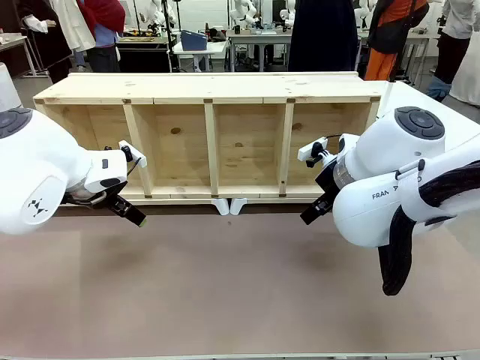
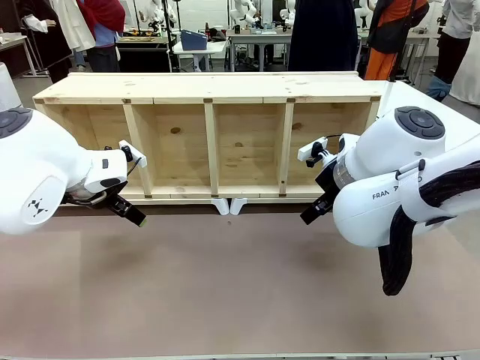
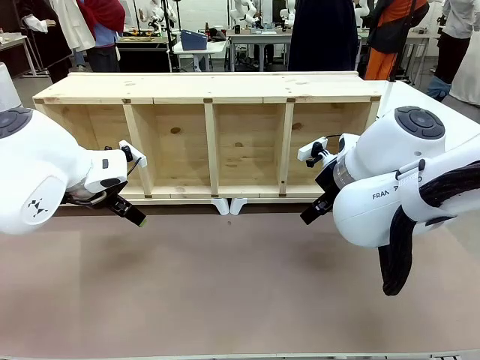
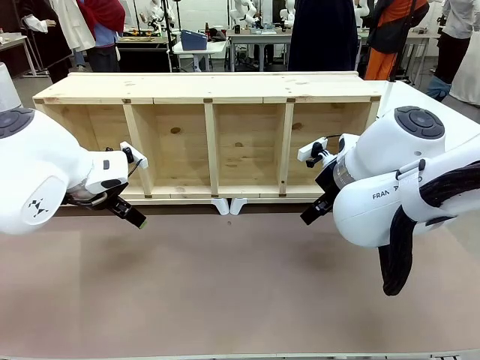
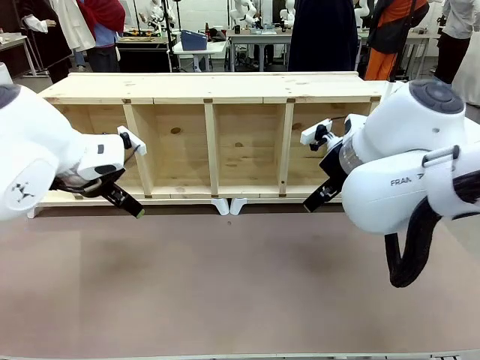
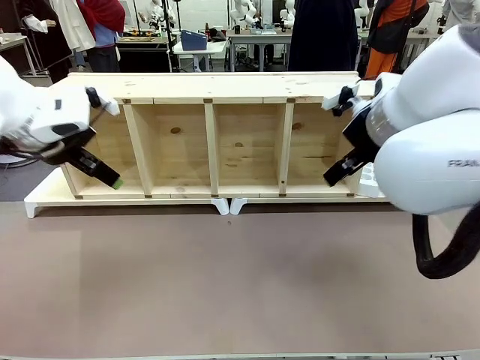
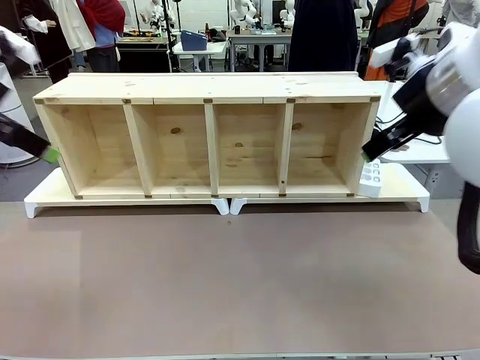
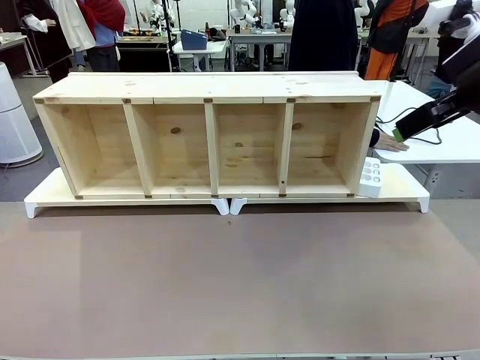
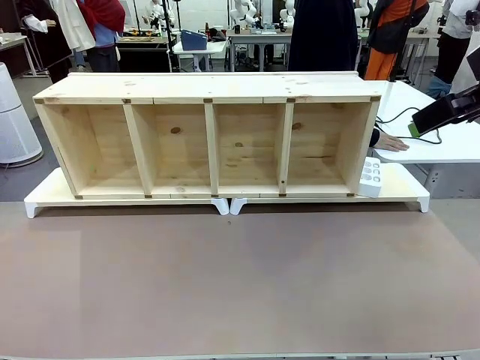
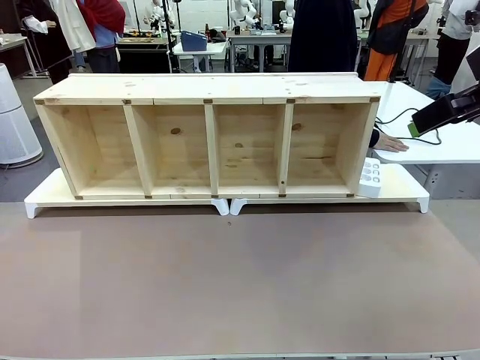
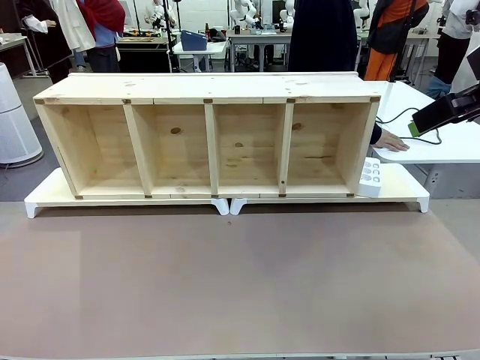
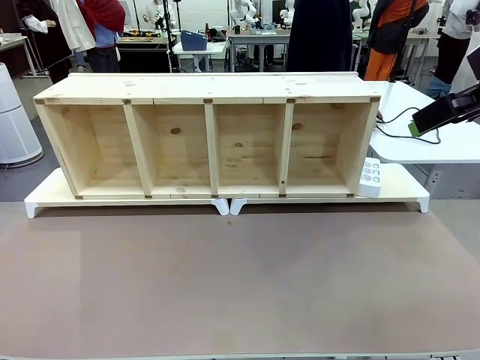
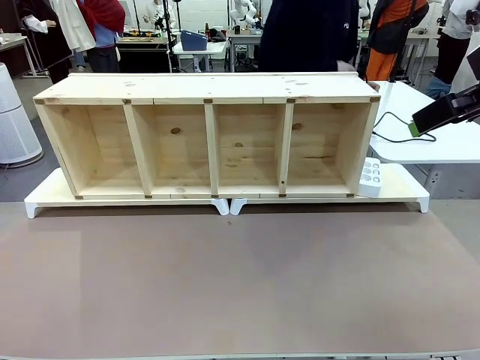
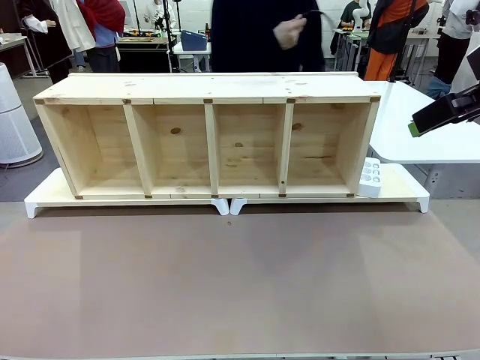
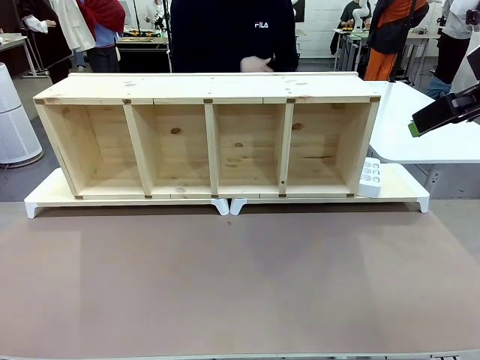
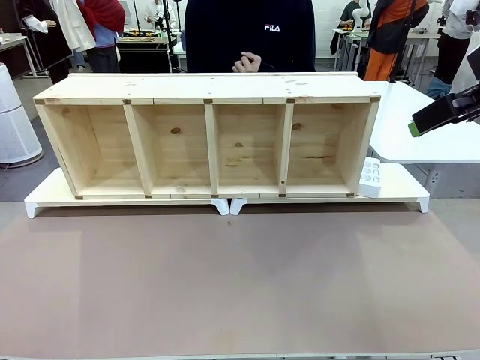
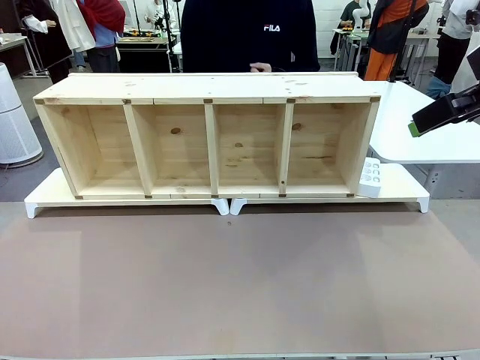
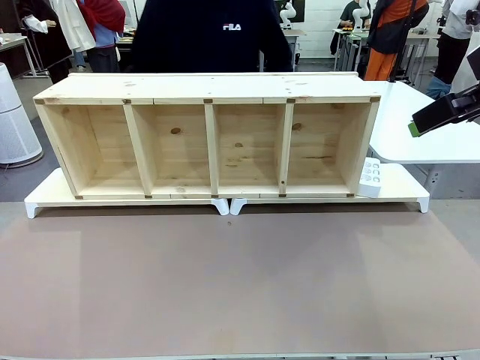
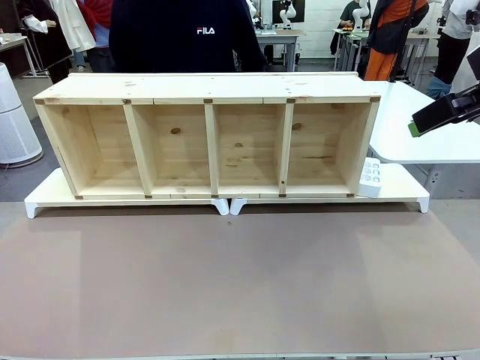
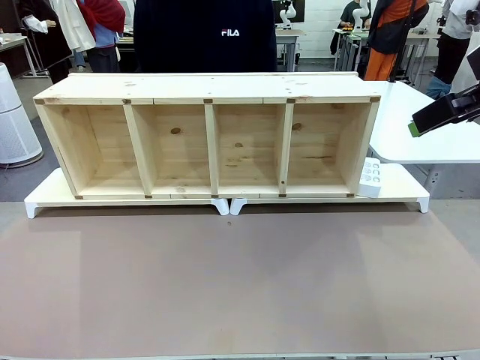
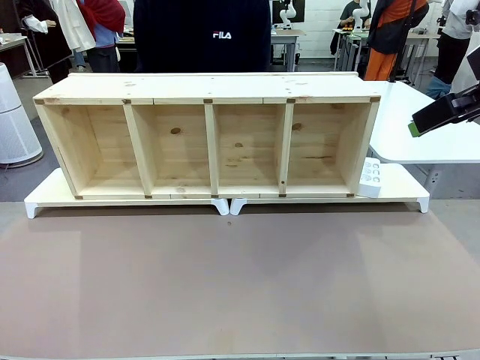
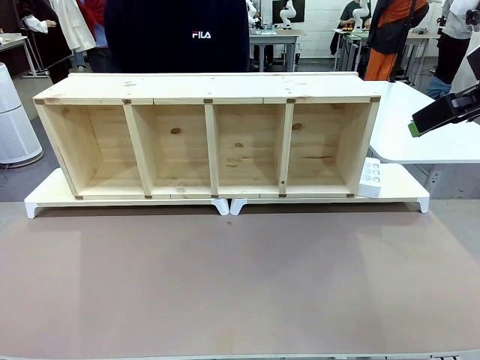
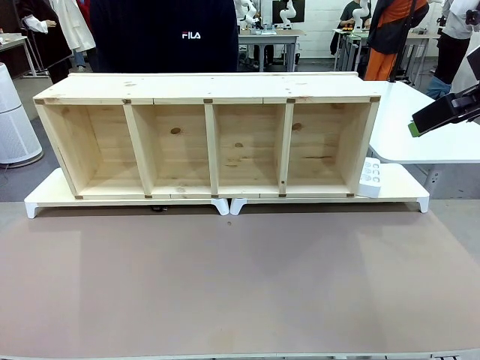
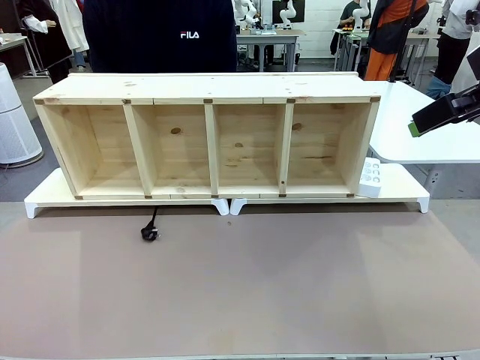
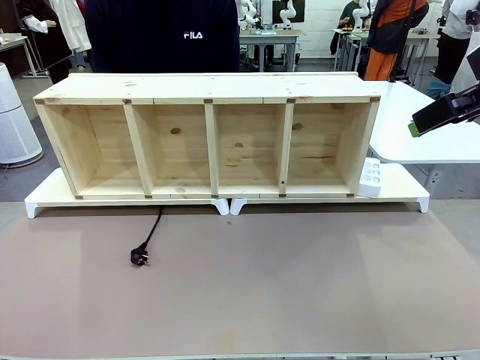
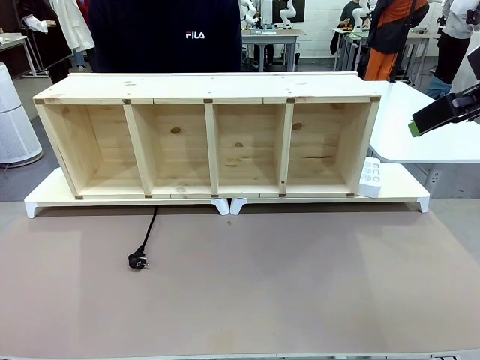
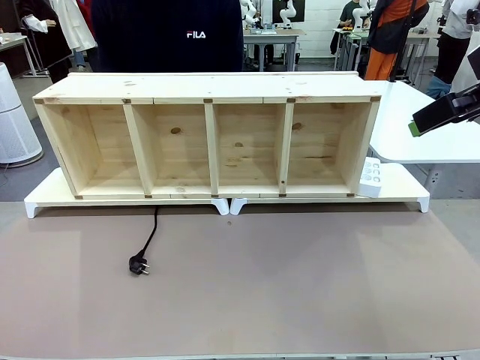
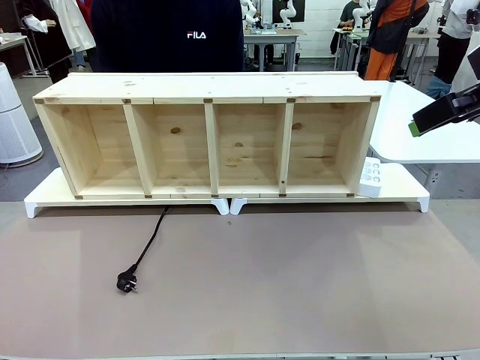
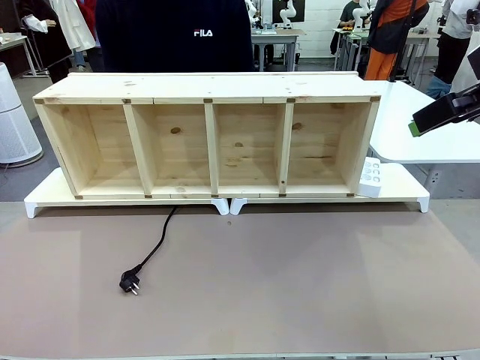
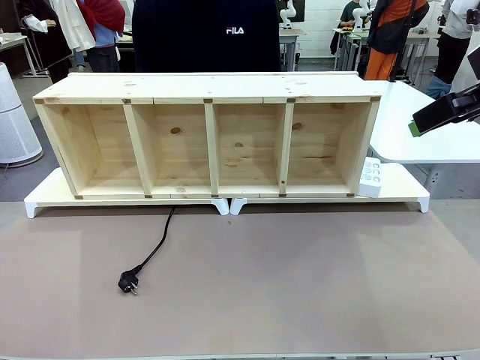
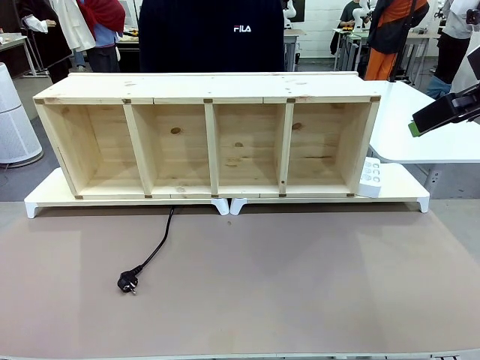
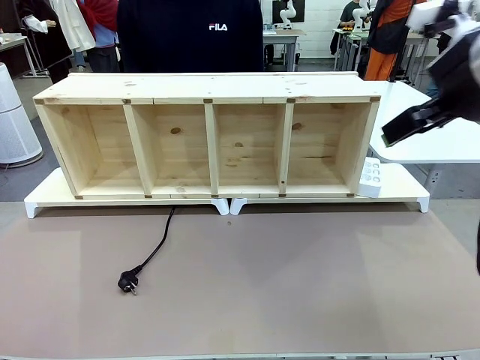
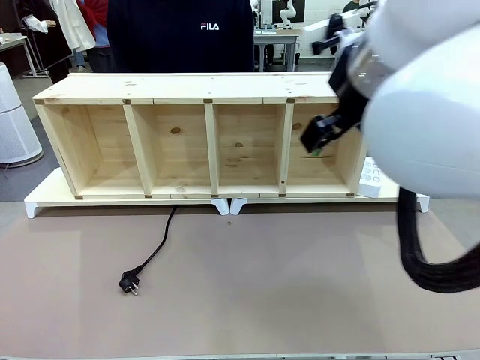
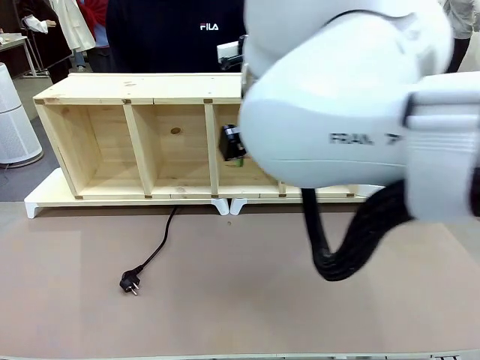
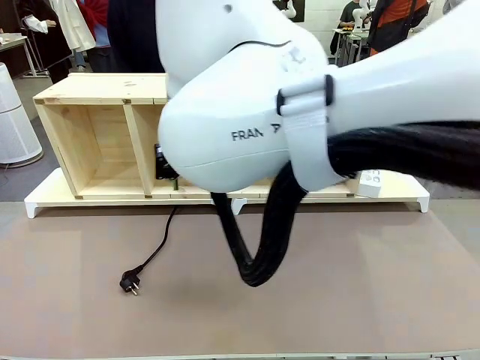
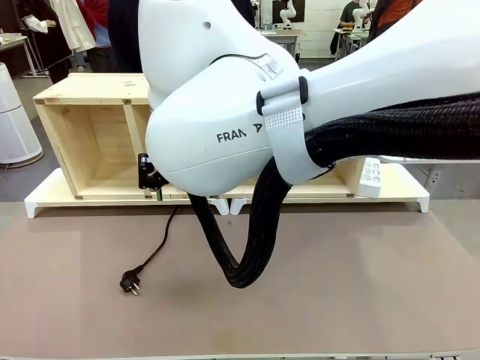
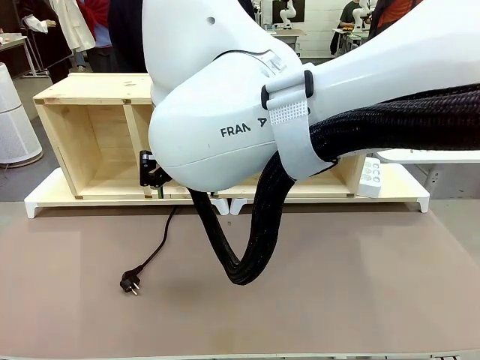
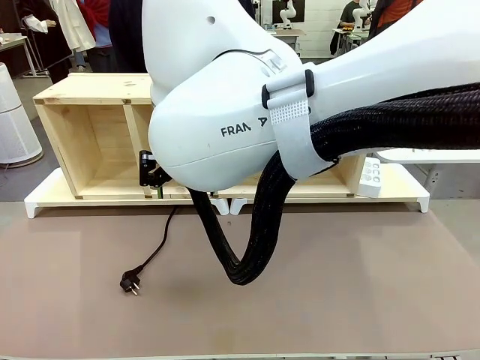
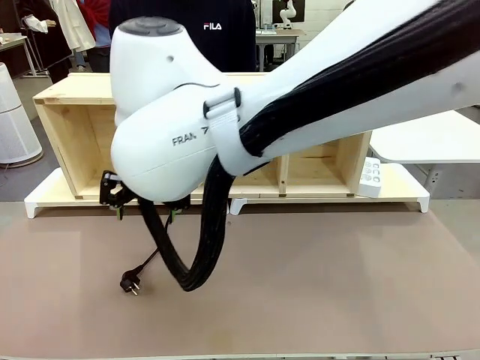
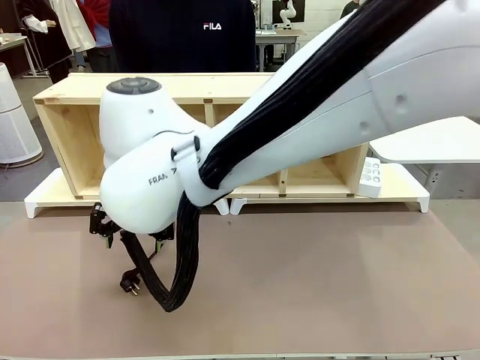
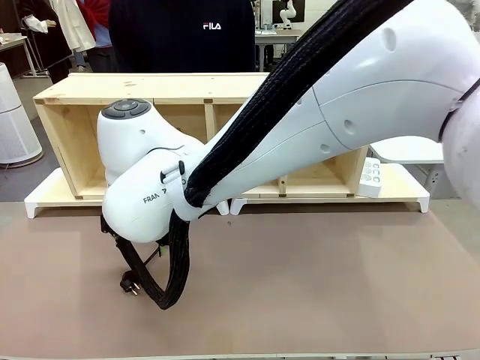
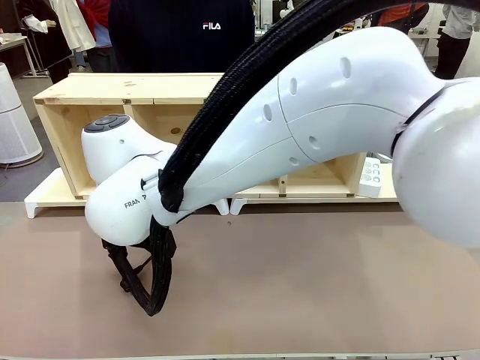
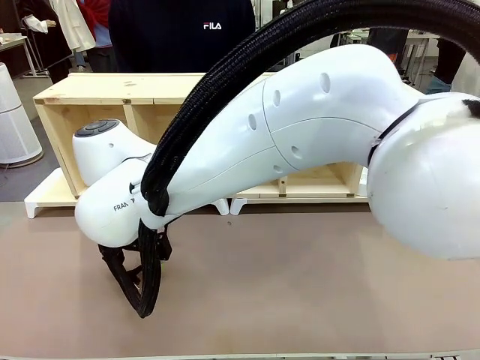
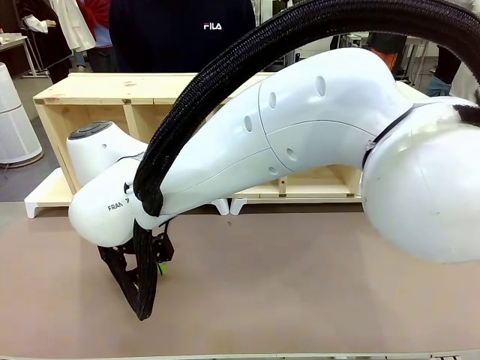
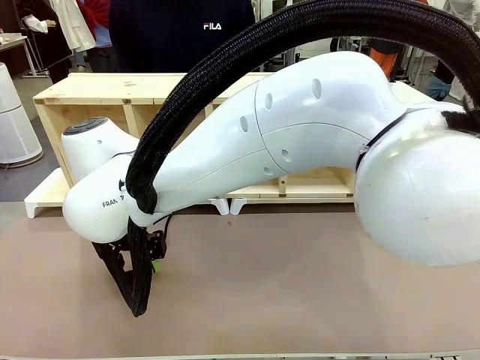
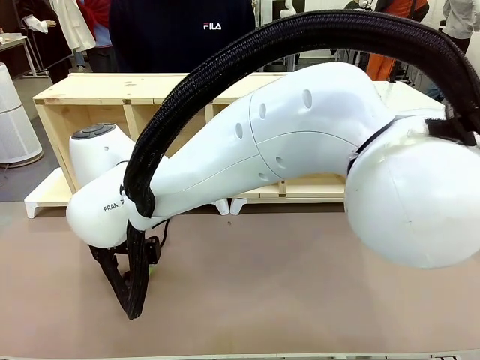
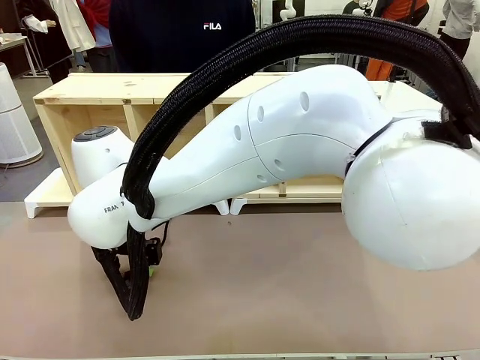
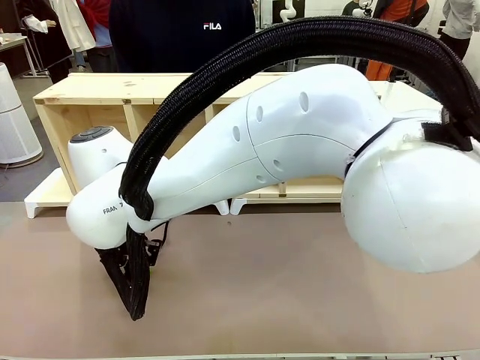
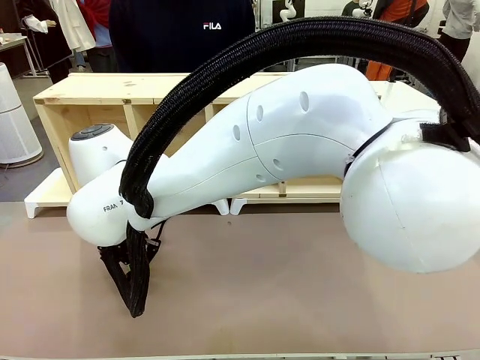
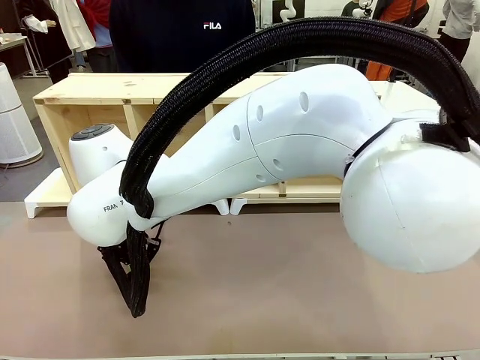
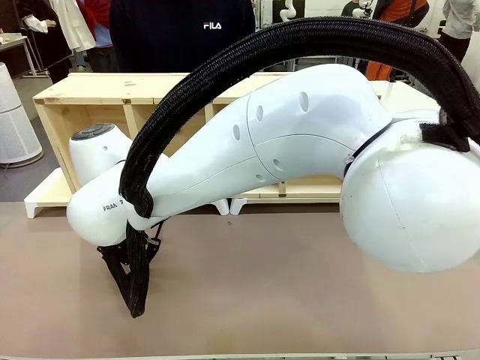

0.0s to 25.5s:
Task: Perform cable management.
Robot: When the cord part of the Power Cable appears at the lower middle area of the table and stops, grasp the cord part of the Power Cable.
Person: Pass the Power Cable under the Serving Table.
